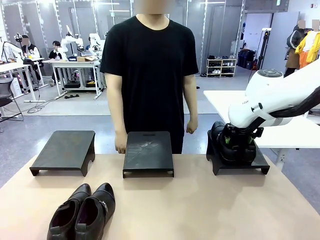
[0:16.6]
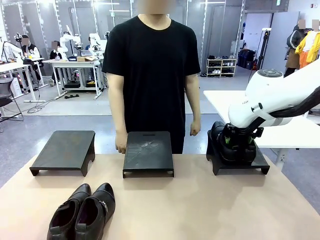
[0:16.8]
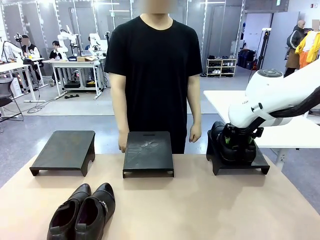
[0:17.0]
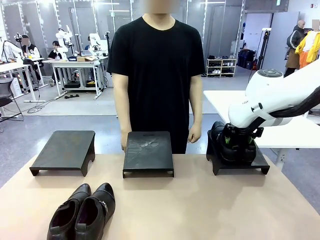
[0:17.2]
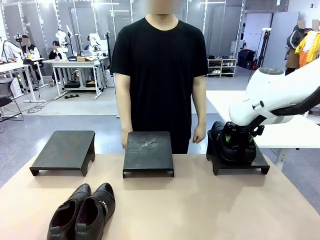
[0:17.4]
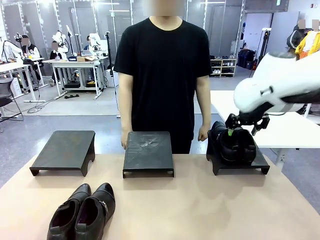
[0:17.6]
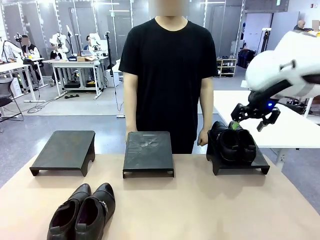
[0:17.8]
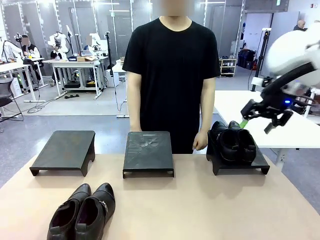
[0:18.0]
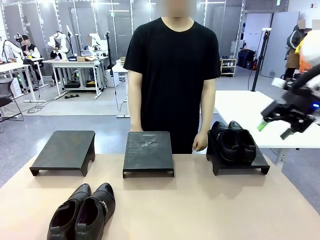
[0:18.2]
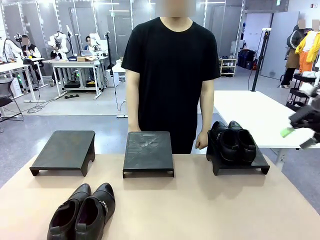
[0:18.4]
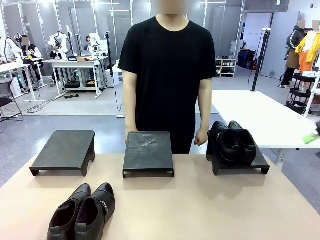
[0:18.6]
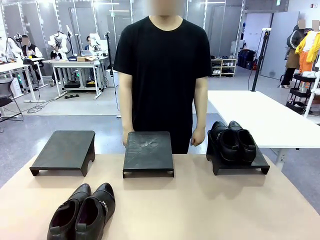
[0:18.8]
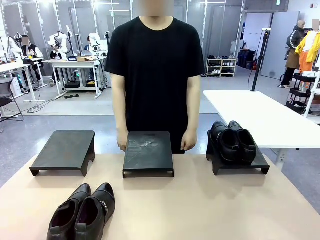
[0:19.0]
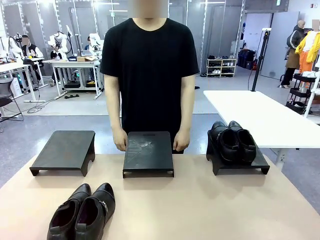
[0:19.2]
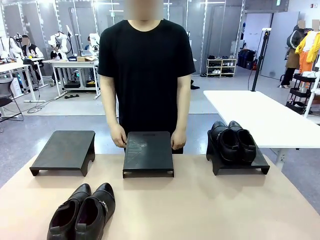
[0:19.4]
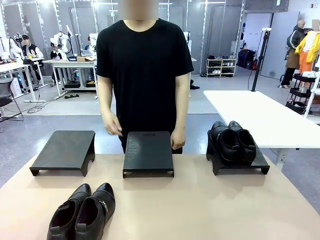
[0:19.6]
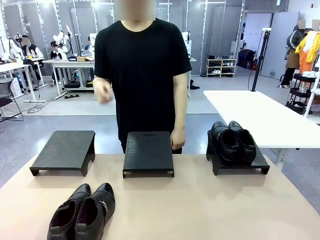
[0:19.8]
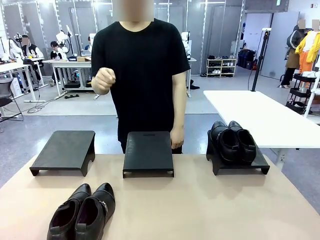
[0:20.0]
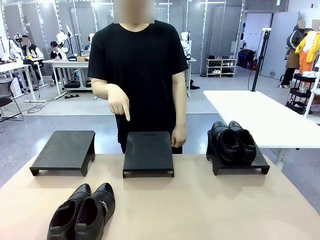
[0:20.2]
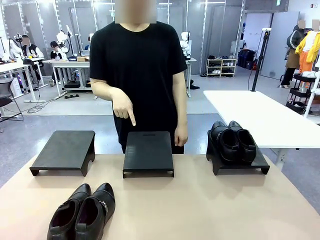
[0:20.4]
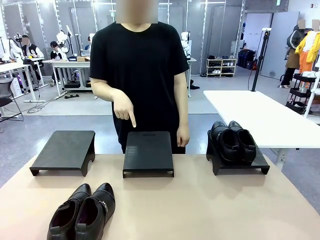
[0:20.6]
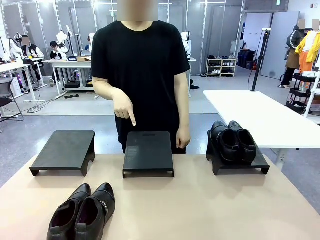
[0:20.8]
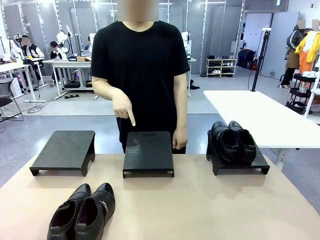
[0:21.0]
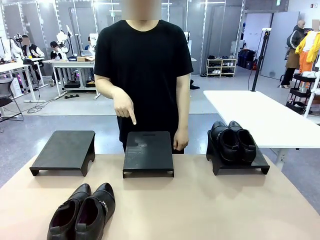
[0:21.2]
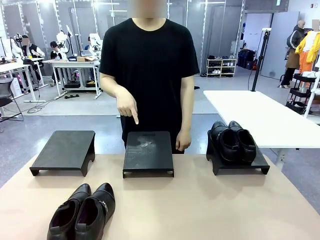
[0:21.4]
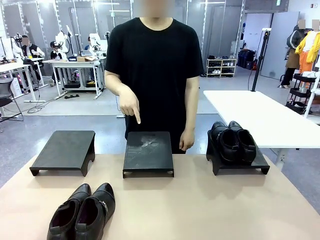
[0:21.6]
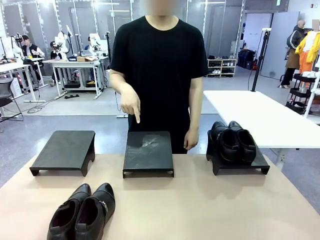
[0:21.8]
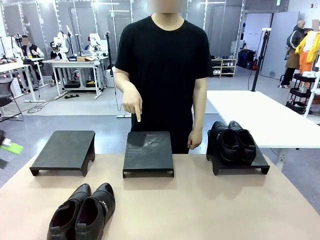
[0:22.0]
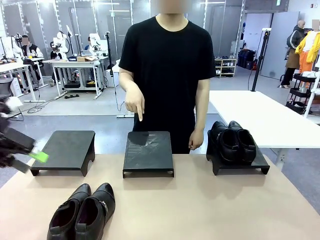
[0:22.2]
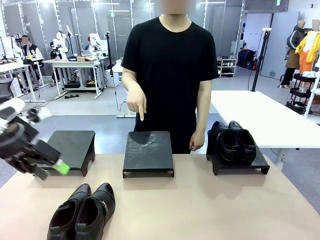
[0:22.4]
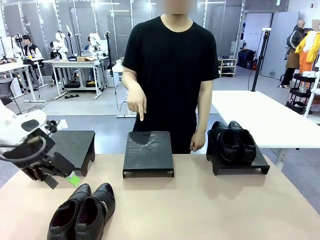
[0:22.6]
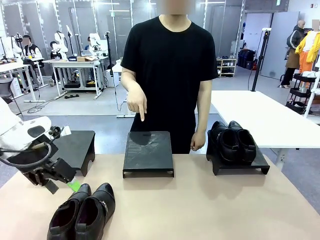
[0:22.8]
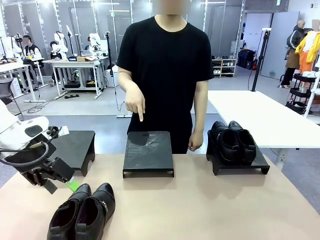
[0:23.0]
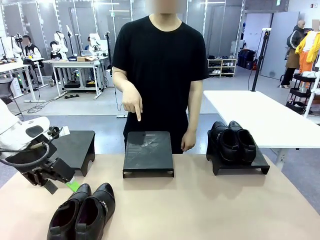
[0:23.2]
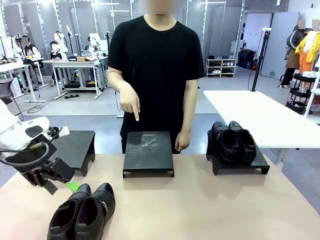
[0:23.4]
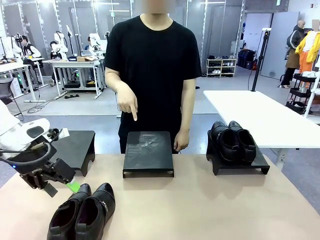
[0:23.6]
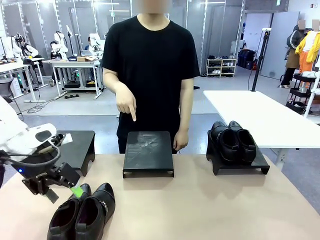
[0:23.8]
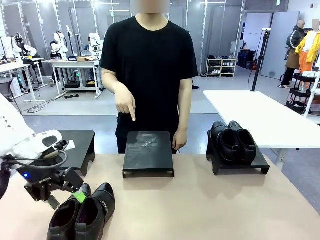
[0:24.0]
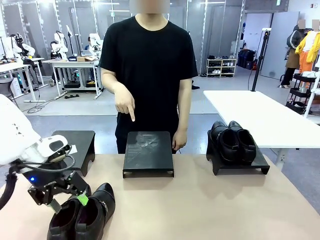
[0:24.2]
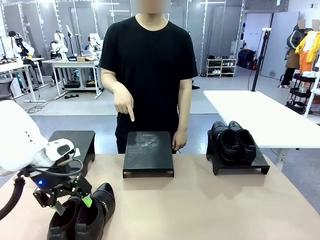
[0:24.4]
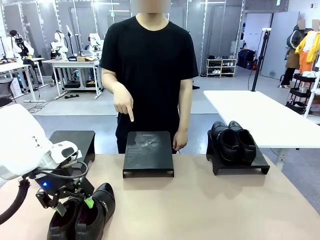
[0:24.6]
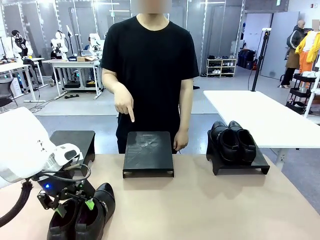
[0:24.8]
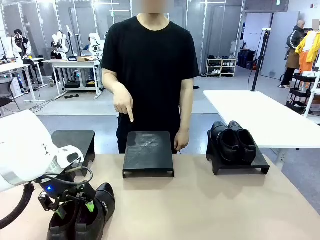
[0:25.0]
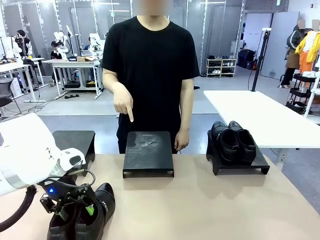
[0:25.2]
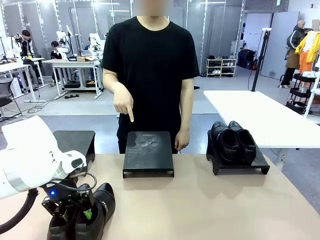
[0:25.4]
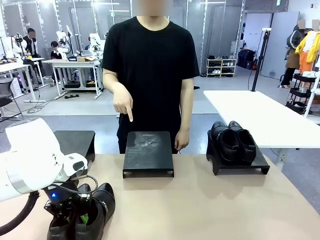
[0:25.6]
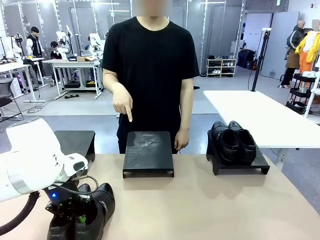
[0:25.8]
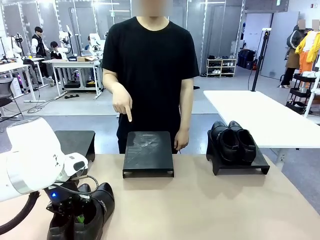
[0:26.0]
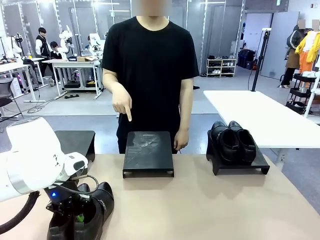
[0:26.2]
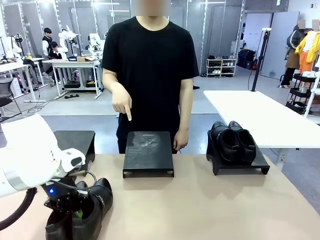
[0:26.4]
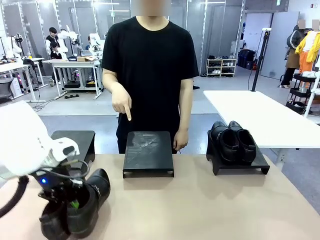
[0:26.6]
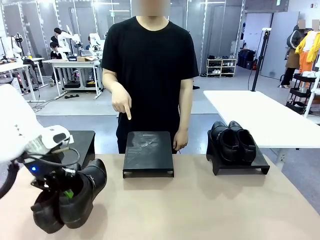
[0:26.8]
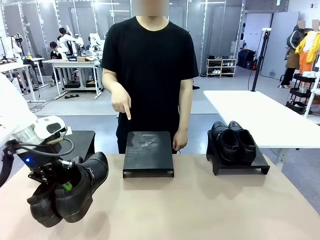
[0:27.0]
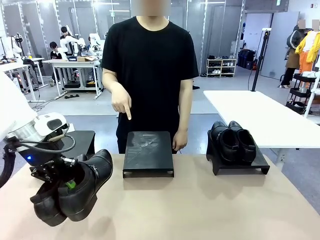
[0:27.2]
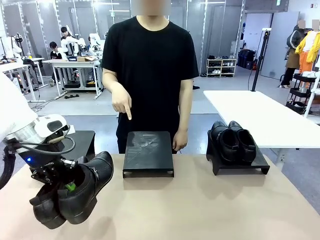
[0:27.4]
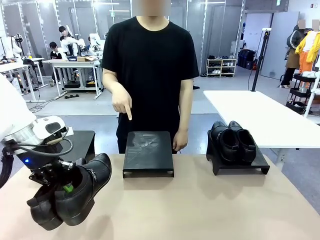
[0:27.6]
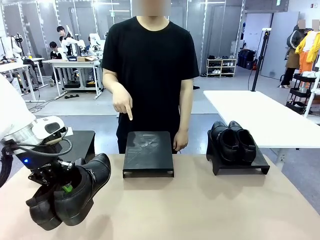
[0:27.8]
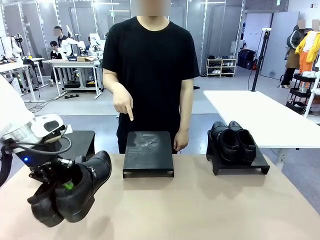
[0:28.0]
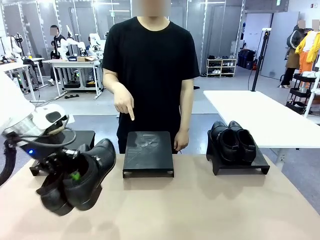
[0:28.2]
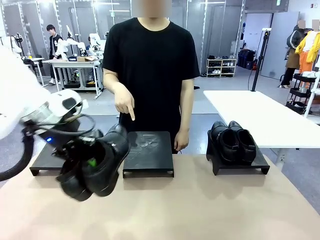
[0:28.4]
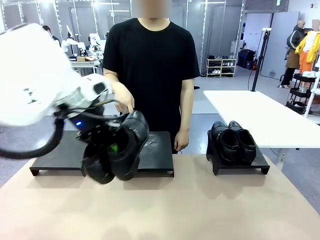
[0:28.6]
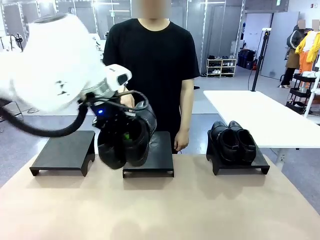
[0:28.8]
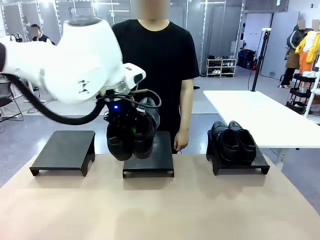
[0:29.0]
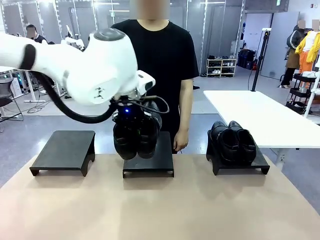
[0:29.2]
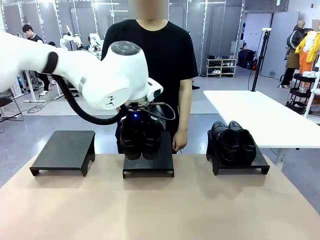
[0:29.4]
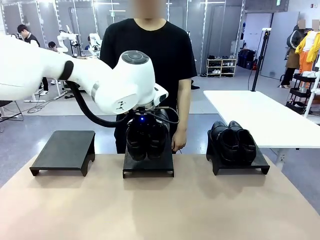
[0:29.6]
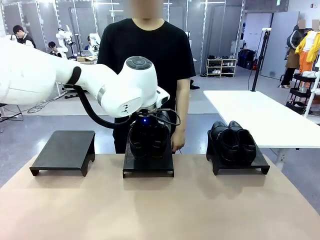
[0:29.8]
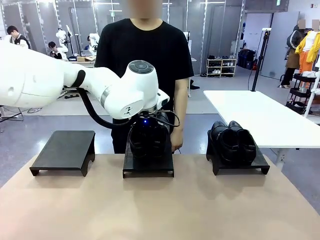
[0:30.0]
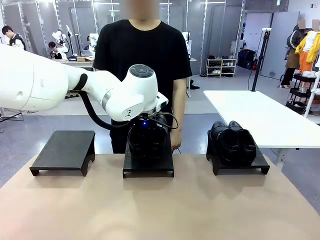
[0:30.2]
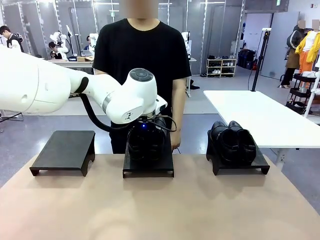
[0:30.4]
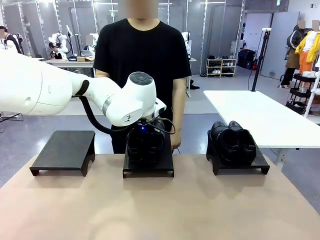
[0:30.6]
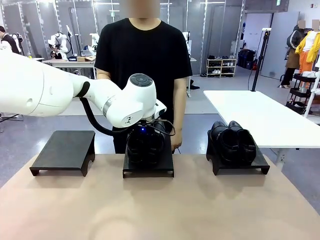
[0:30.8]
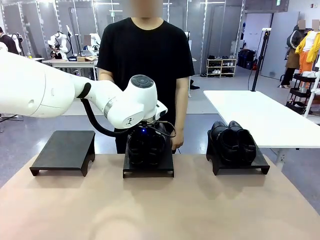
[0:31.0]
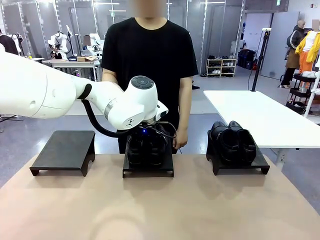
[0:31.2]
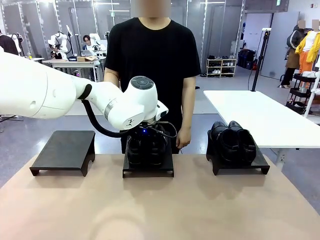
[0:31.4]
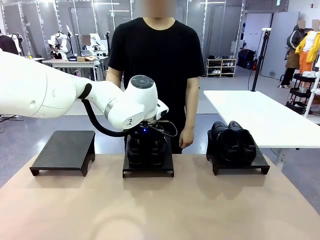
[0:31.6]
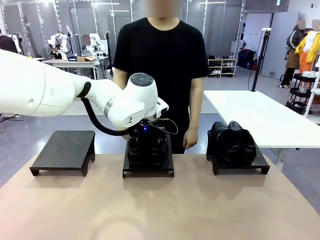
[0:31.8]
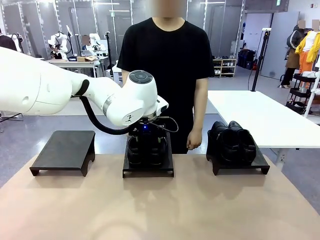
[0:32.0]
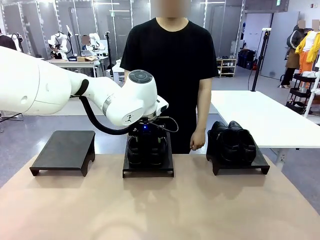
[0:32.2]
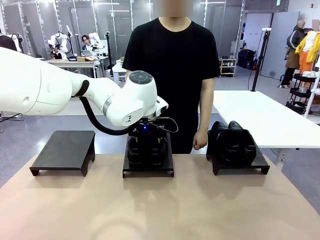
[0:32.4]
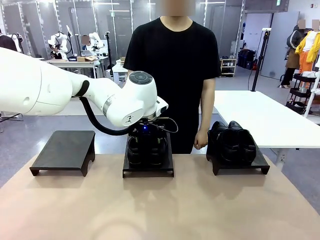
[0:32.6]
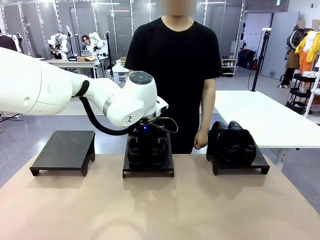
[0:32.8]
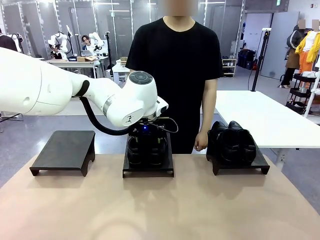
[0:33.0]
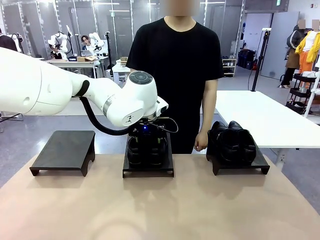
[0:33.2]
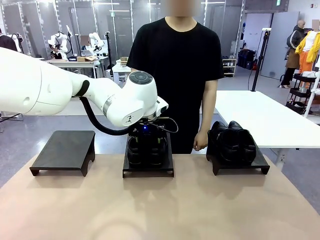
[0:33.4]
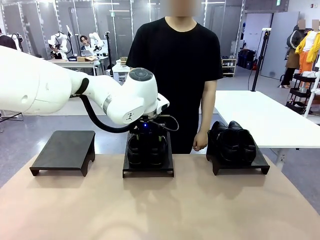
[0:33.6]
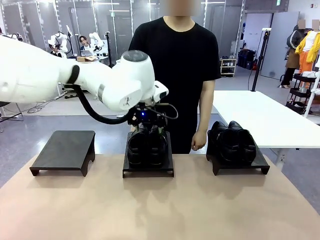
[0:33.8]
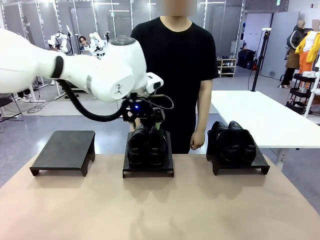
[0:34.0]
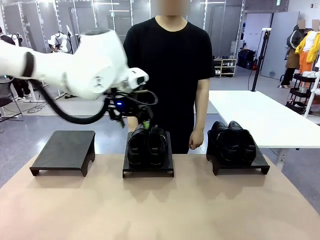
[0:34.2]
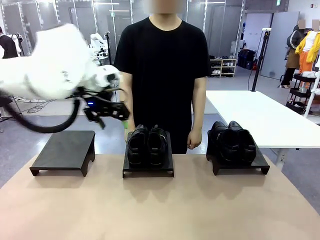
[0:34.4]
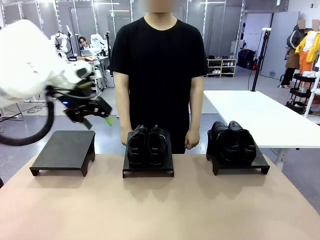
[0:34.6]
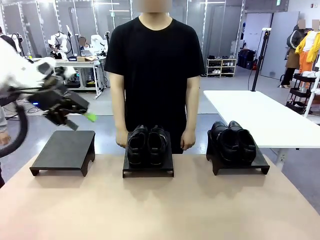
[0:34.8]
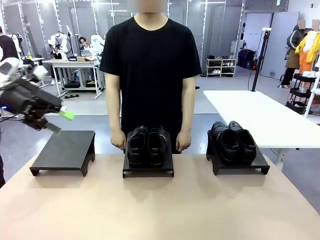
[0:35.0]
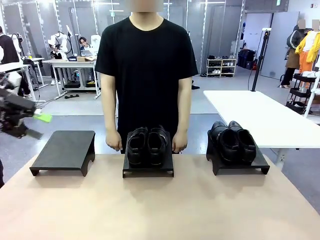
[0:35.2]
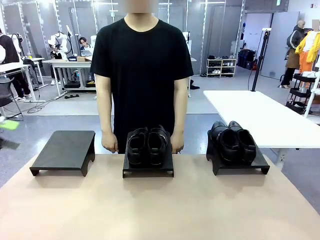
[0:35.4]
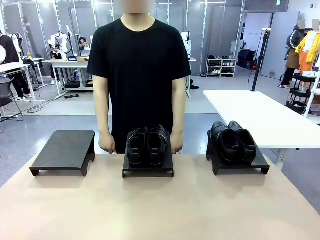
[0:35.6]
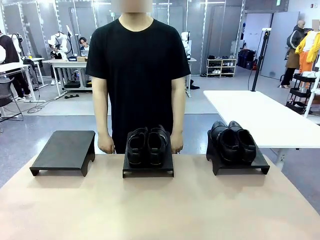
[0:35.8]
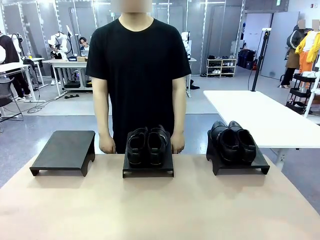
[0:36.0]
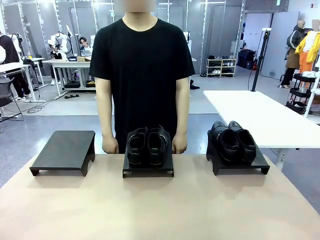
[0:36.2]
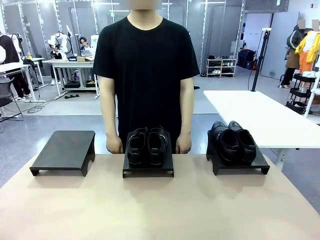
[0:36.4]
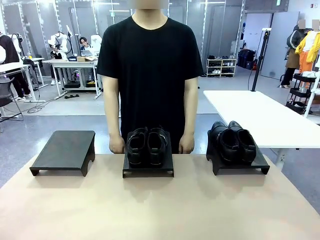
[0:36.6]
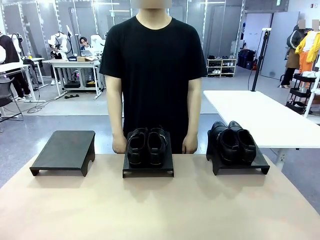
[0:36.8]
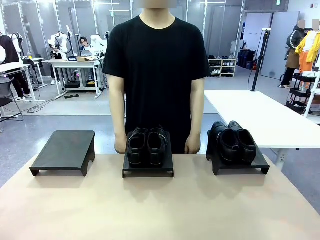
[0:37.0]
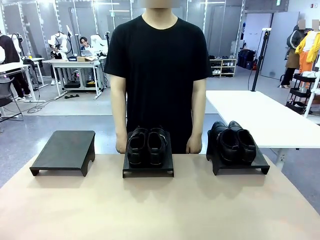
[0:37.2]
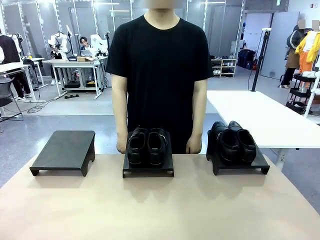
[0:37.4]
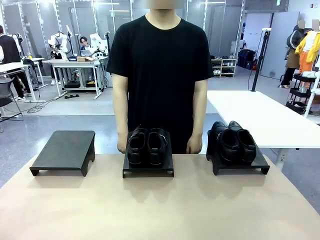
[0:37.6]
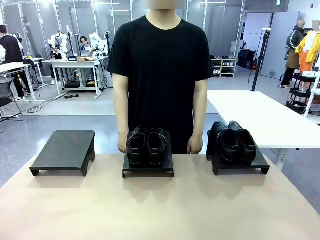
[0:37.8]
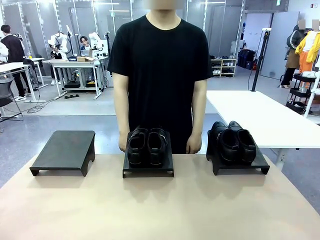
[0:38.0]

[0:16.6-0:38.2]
Task: Place the shoes on the stand as instructed by the person.
Robot: Pick up another pair of Shoes and place it on the Shoes Stand indicated by the person.
Person: Point to one Shoes Stand.
